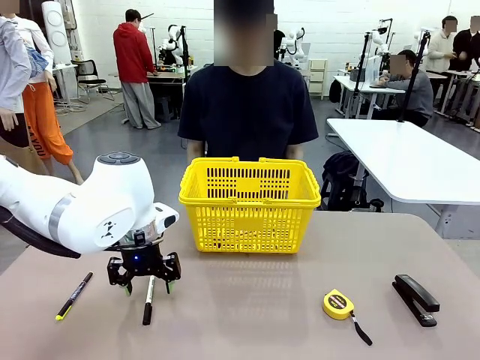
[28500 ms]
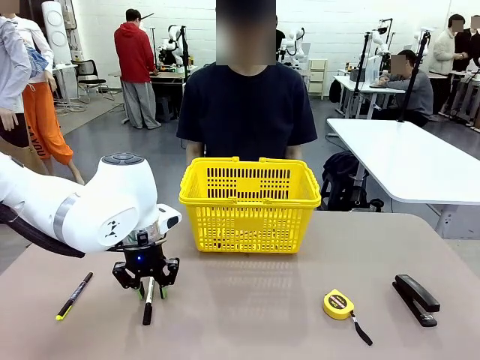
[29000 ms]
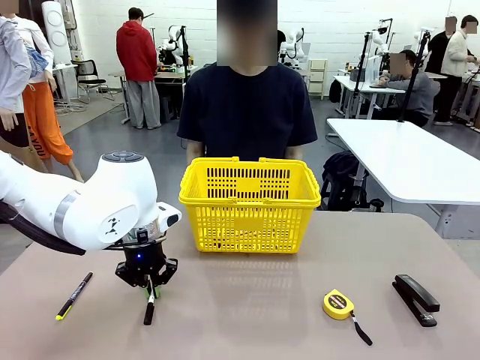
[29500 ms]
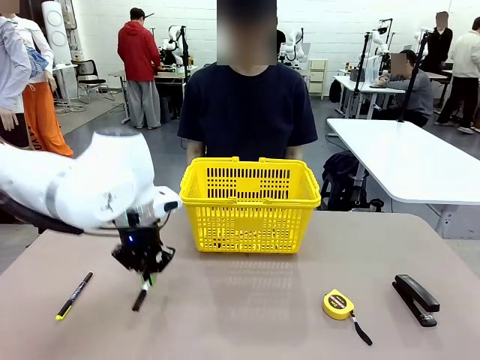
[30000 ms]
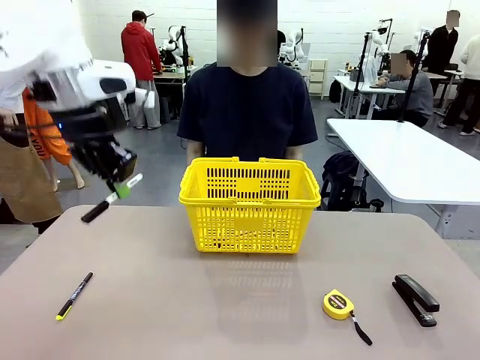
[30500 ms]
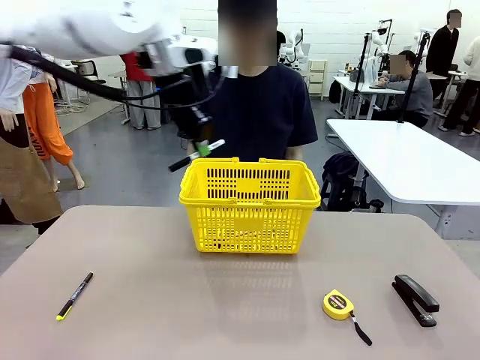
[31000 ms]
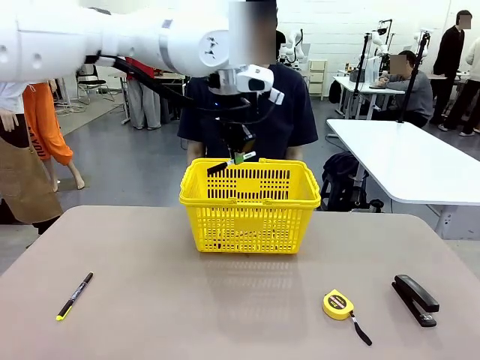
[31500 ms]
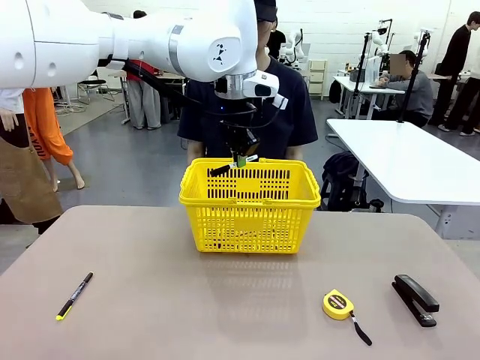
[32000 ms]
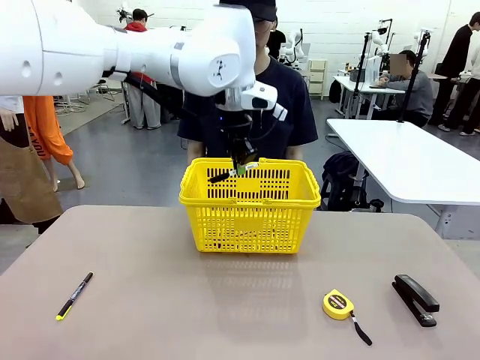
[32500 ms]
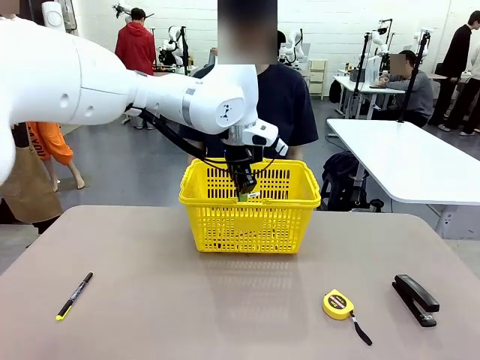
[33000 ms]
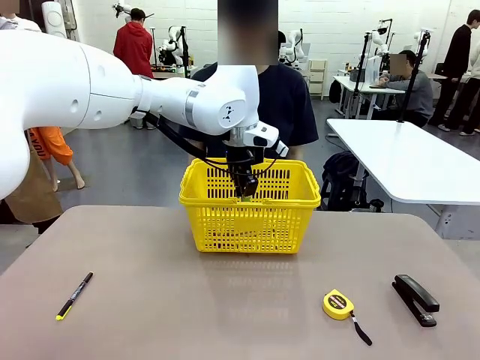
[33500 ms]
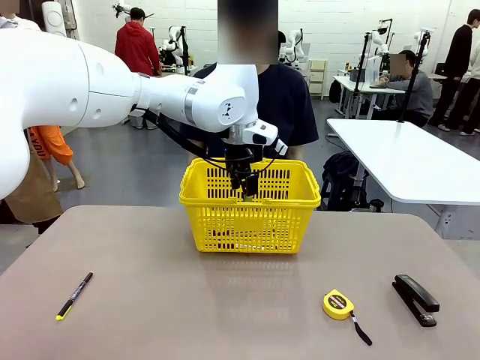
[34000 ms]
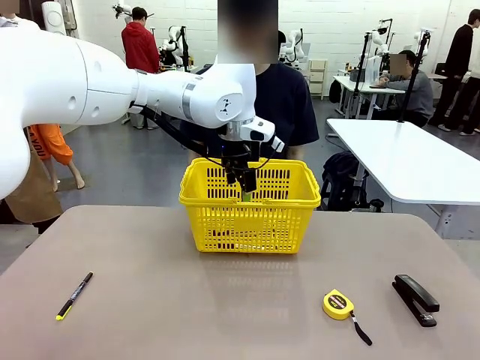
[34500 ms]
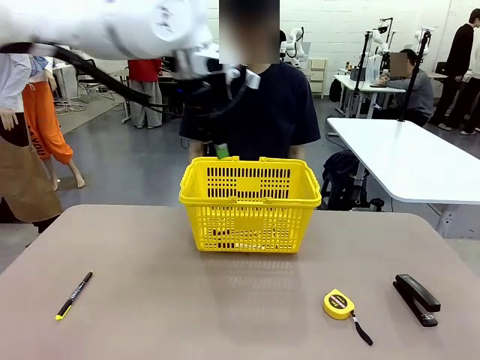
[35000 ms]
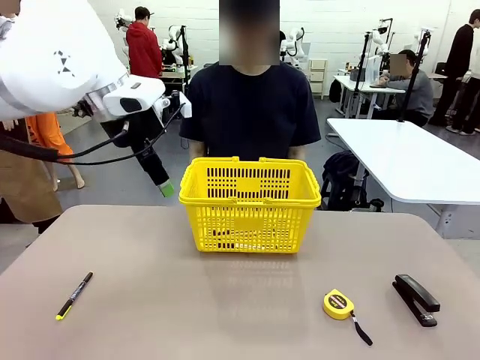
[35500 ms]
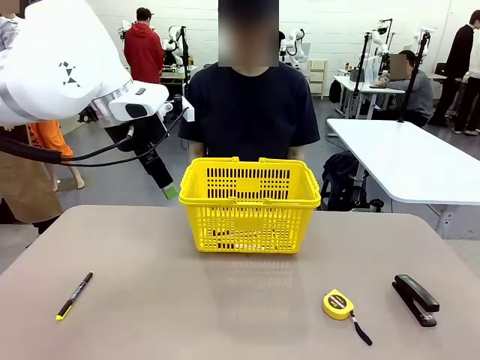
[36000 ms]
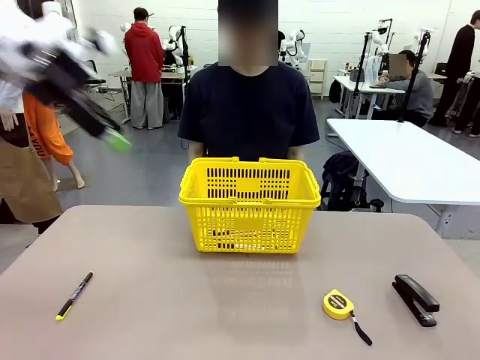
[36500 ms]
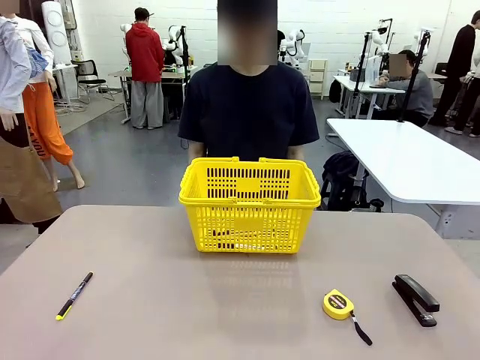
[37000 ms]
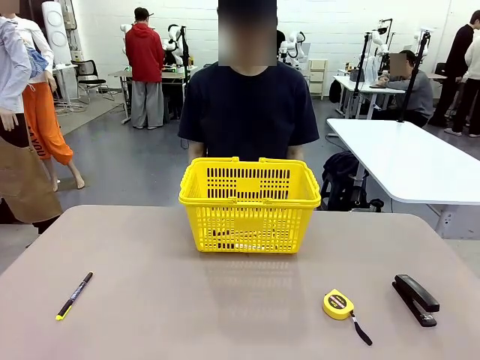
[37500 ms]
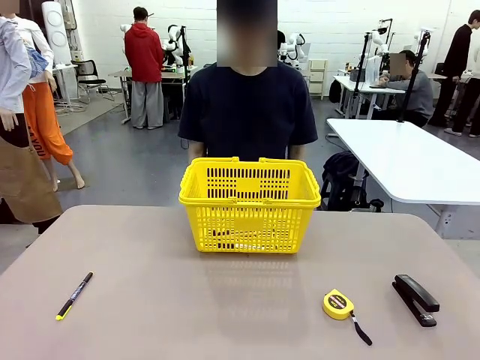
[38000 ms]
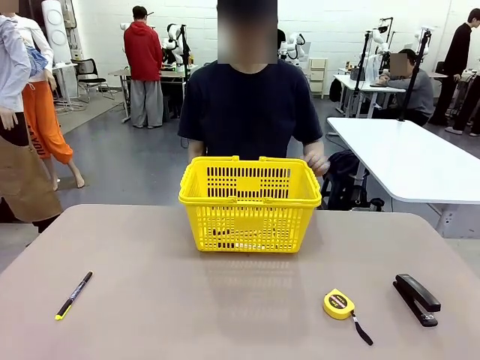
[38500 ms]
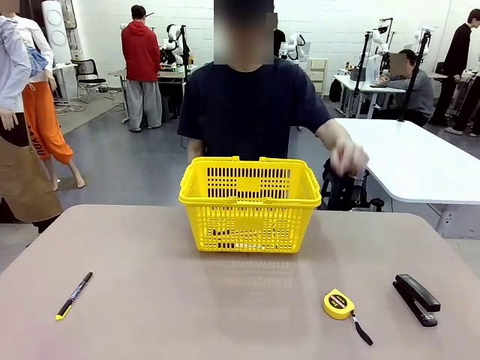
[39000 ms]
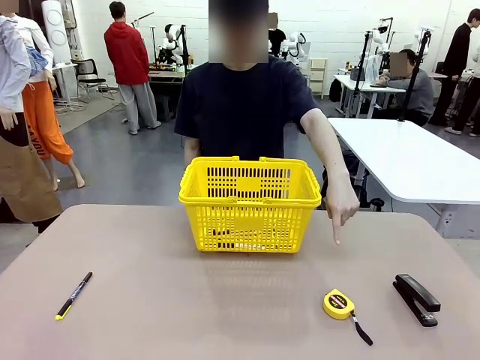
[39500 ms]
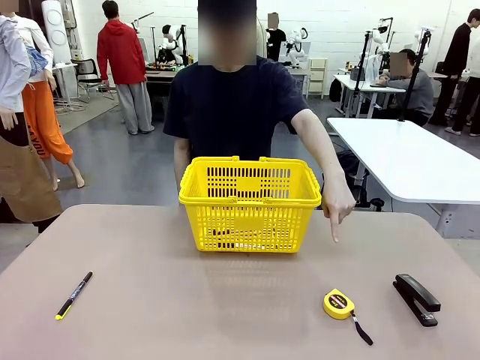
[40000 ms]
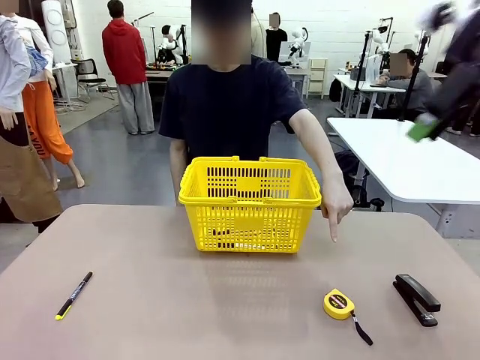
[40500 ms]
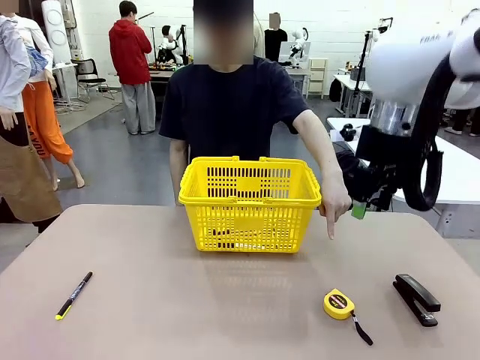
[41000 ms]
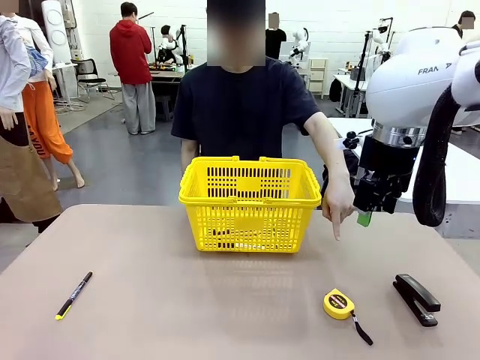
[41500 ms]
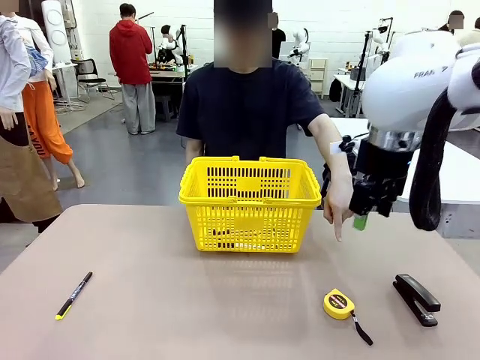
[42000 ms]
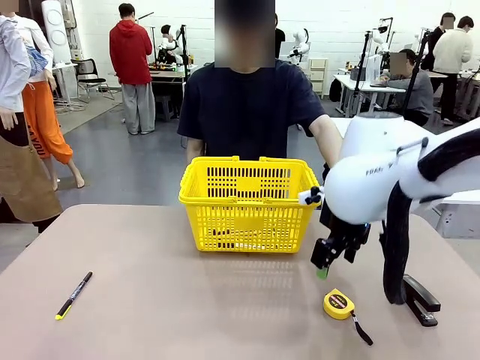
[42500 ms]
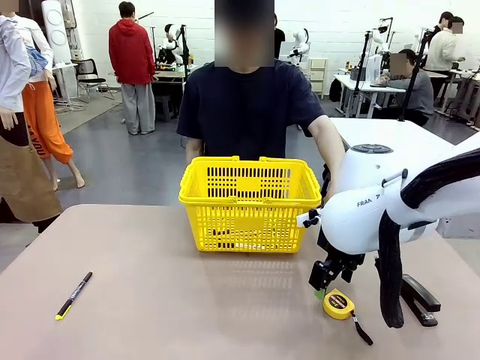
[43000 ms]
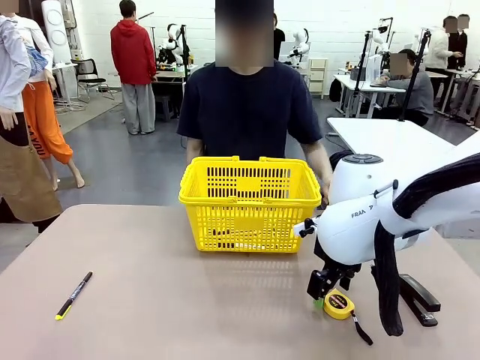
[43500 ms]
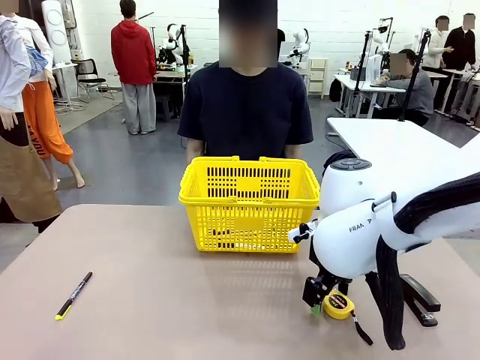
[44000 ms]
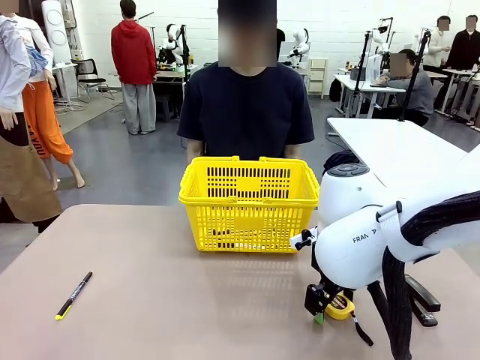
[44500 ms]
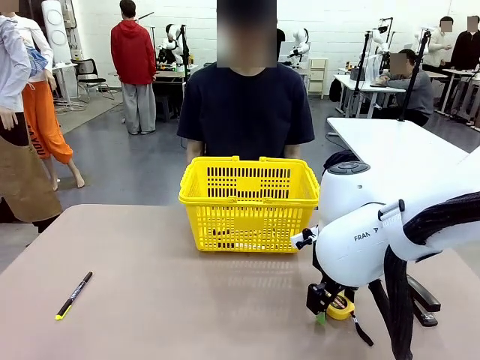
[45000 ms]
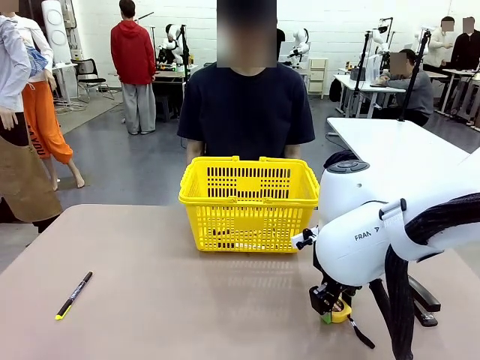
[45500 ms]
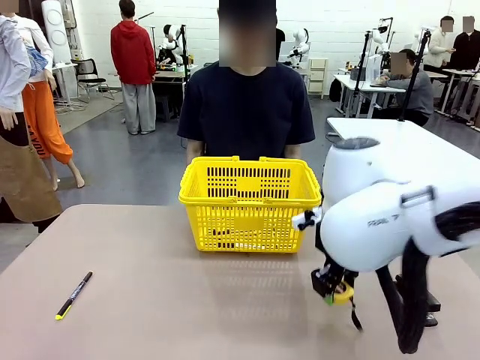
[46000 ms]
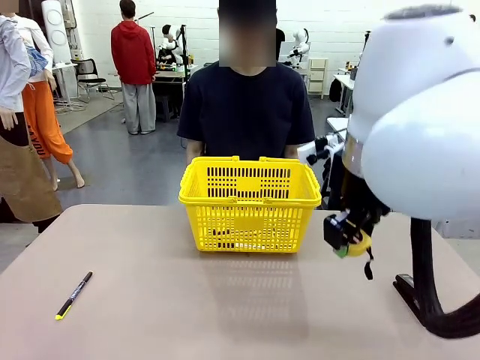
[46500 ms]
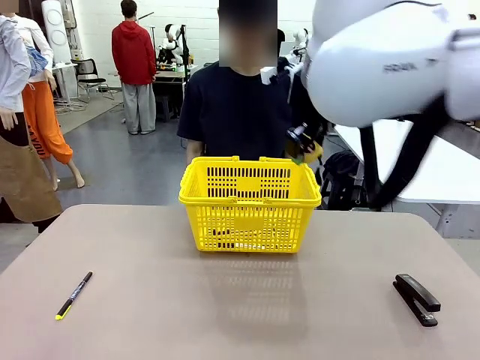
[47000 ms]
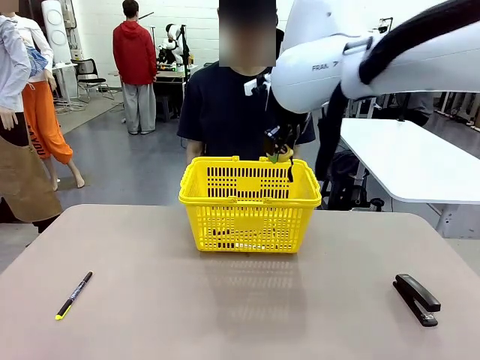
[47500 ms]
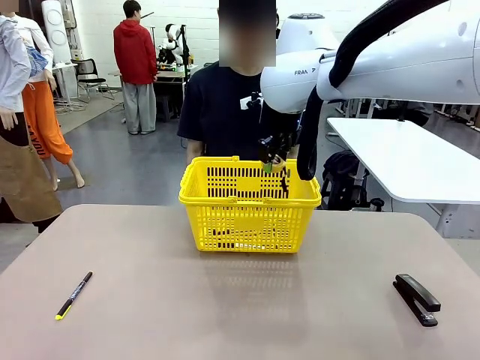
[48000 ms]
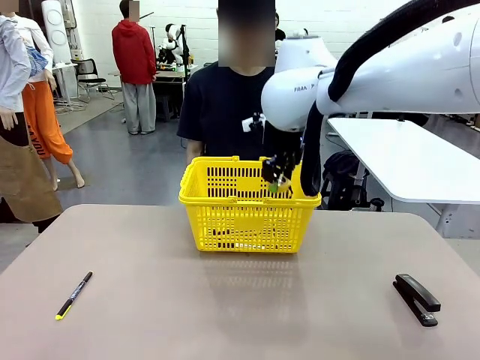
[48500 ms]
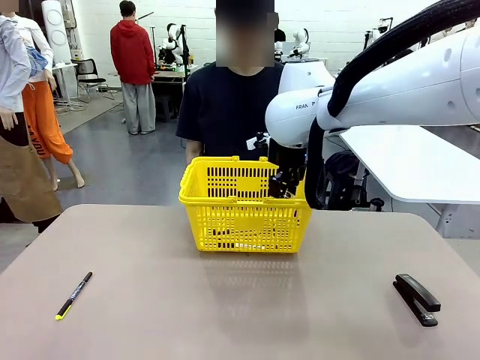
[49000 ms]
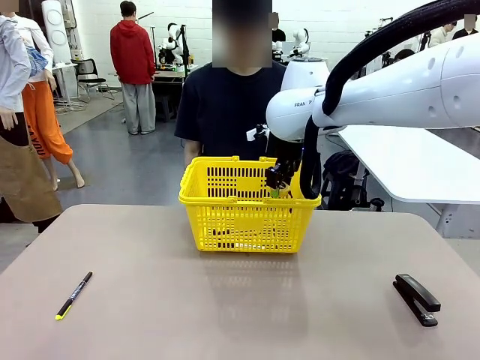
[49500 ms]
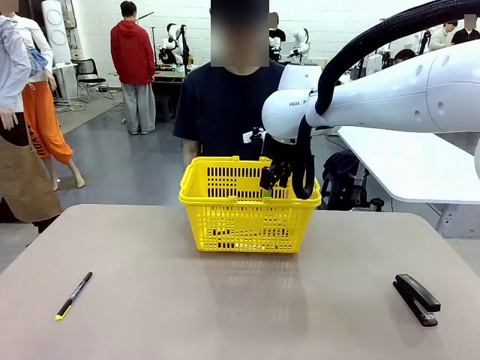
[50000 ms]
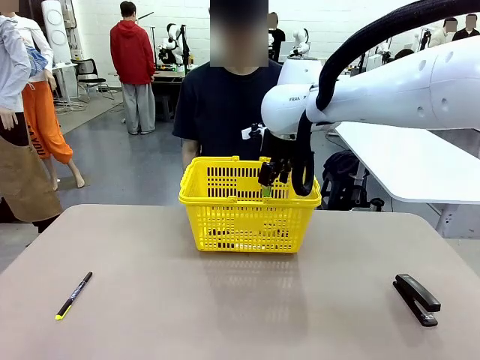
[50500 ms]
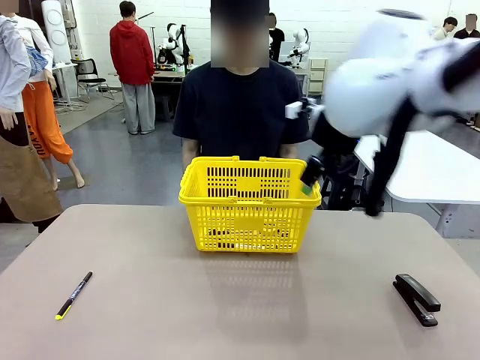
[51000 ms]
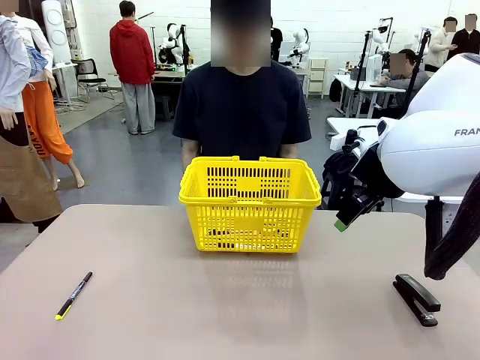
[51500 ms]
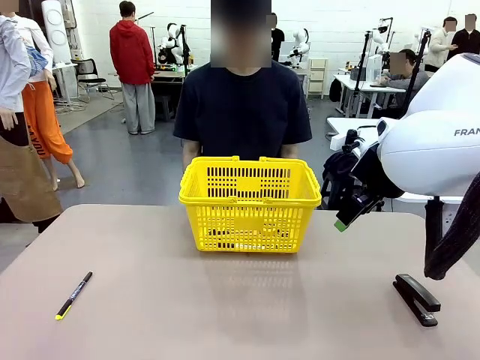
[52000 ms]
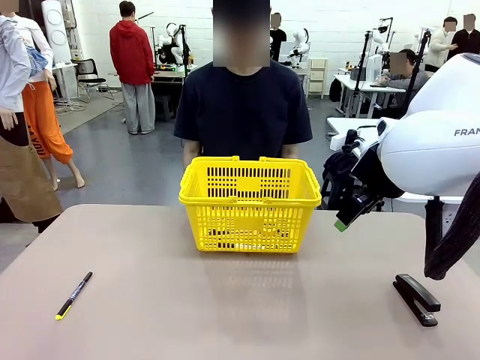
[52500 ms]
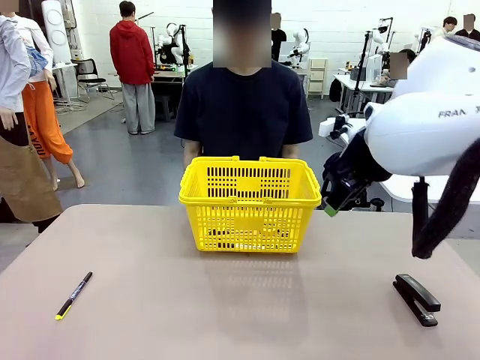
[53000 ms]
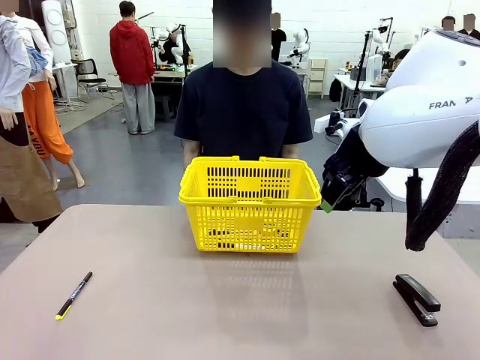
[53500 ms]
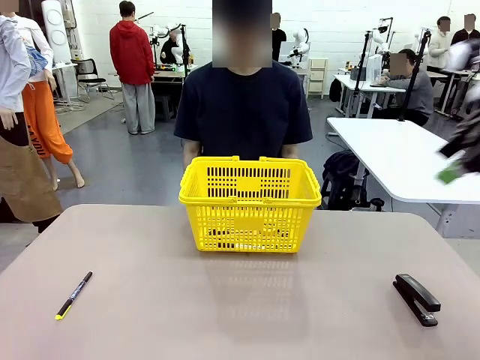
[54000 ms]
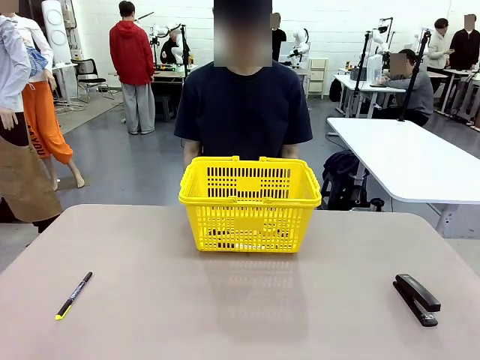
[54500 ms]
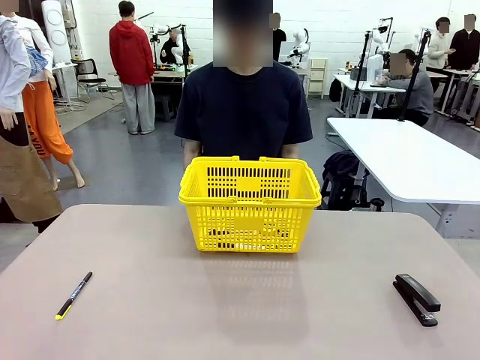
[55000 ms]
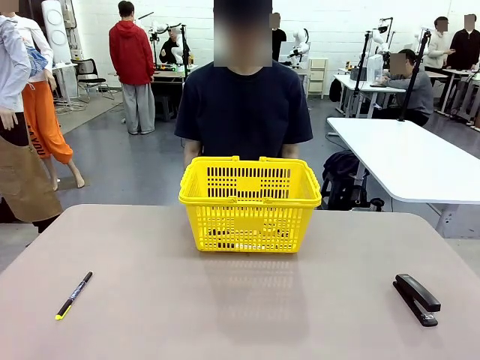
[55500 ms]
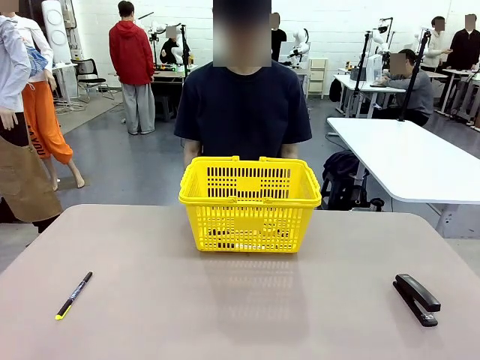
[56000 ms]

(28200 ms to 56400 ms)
Task: Place the items the person wants into the basket.
Robot: Pick up the item the person points to and place it in the Market Basket.
